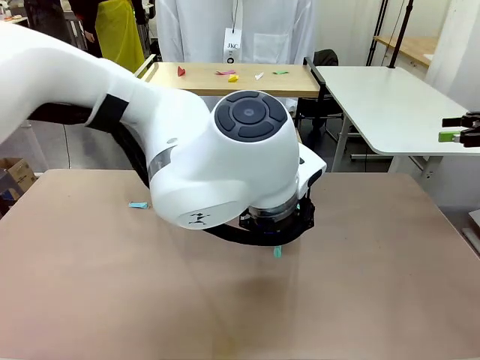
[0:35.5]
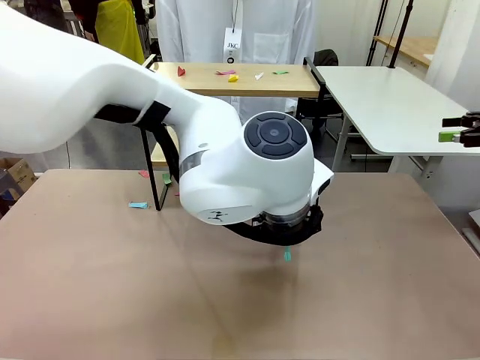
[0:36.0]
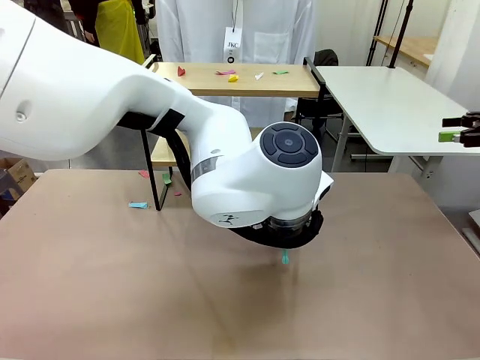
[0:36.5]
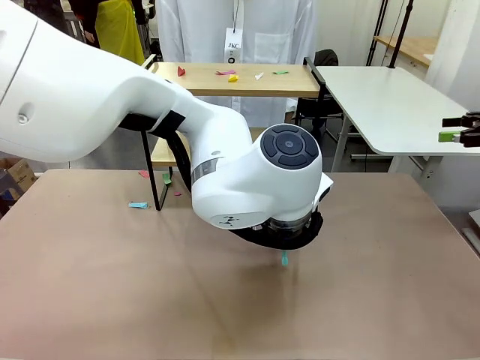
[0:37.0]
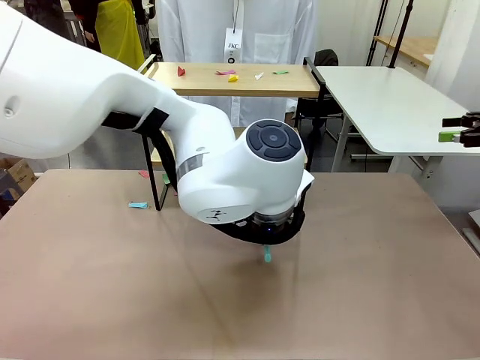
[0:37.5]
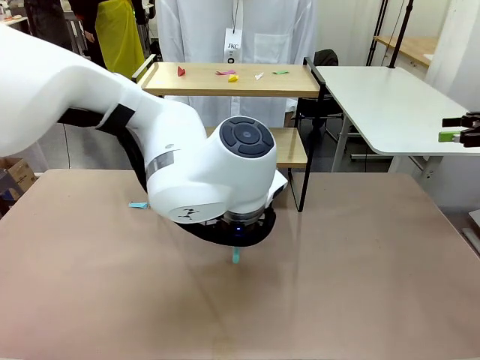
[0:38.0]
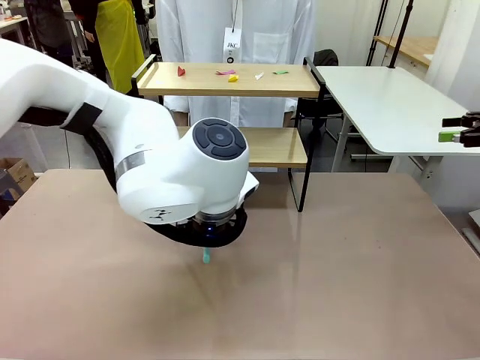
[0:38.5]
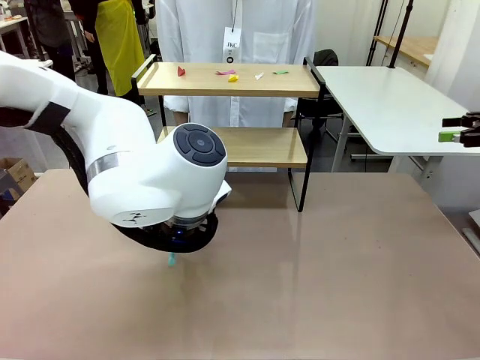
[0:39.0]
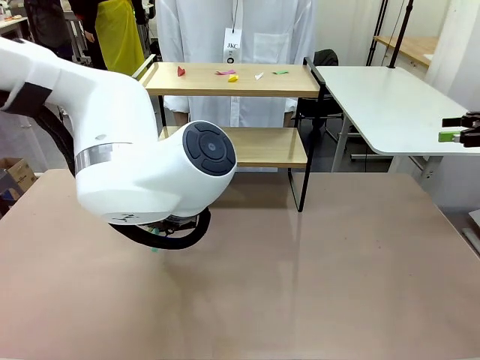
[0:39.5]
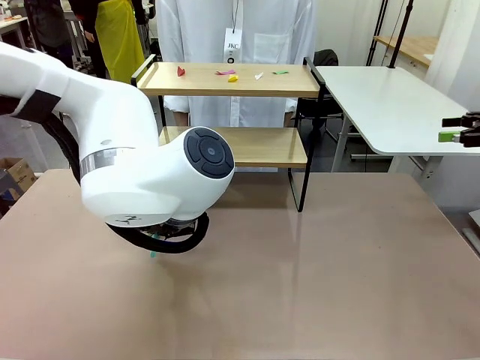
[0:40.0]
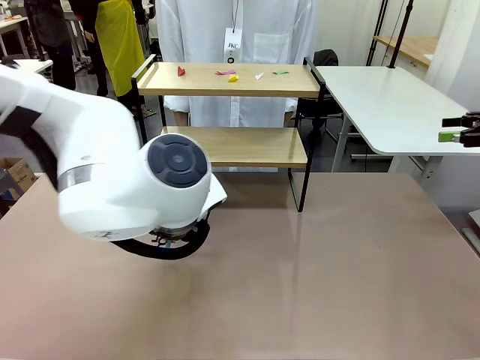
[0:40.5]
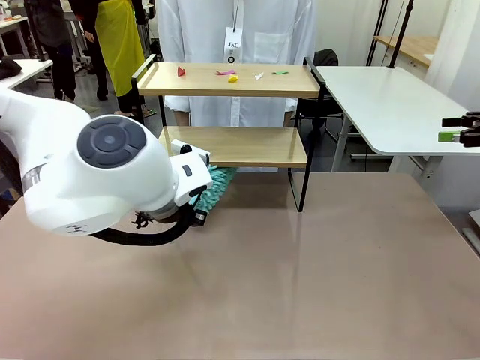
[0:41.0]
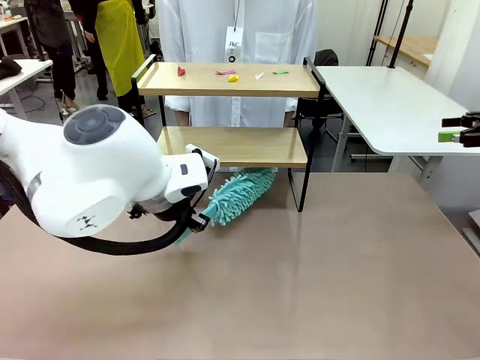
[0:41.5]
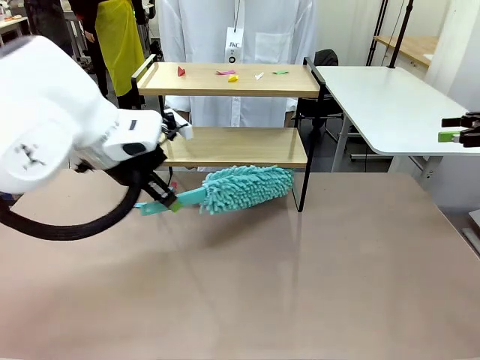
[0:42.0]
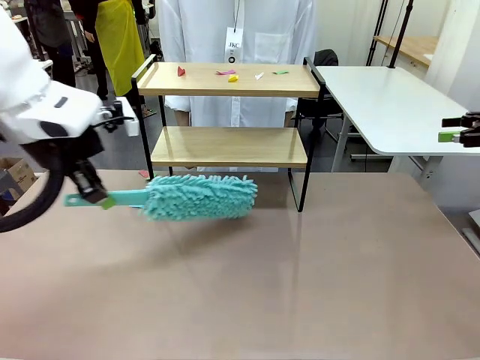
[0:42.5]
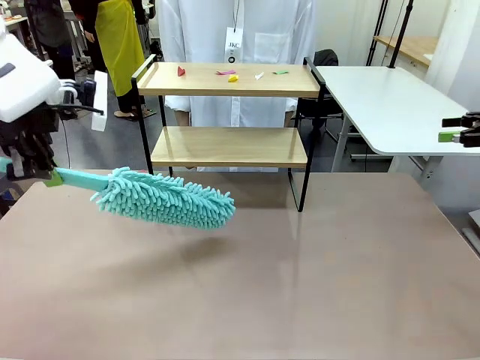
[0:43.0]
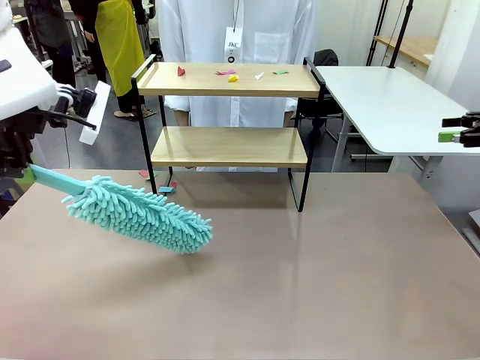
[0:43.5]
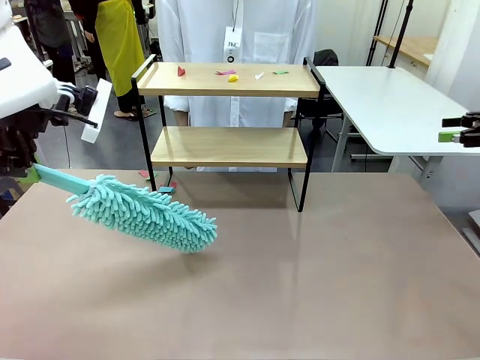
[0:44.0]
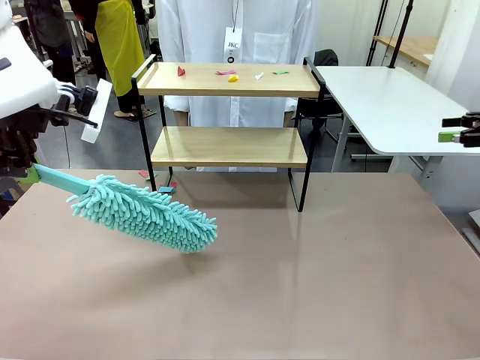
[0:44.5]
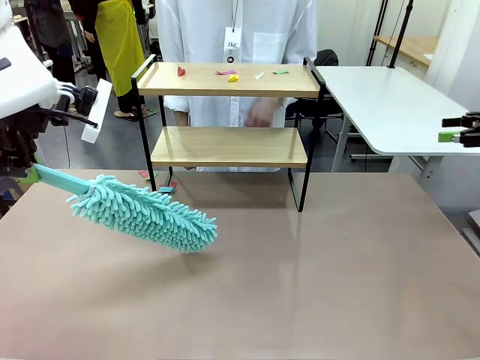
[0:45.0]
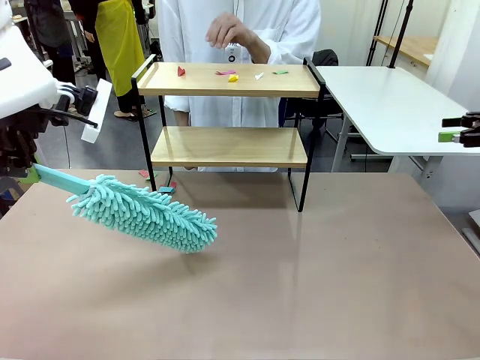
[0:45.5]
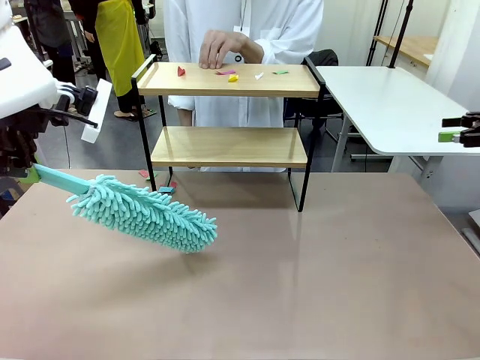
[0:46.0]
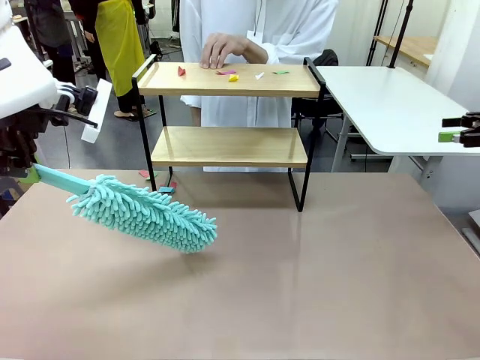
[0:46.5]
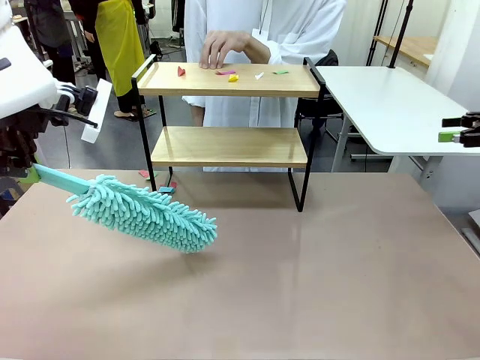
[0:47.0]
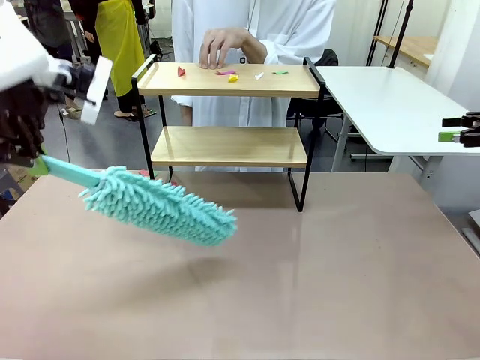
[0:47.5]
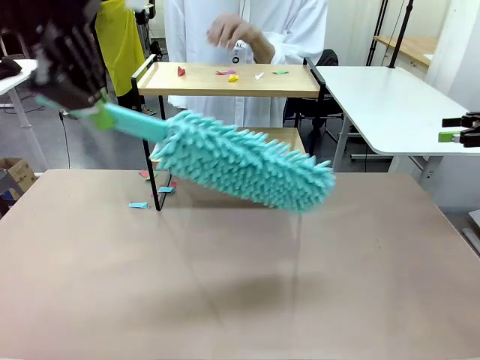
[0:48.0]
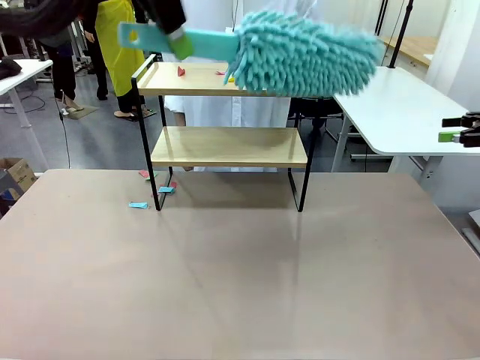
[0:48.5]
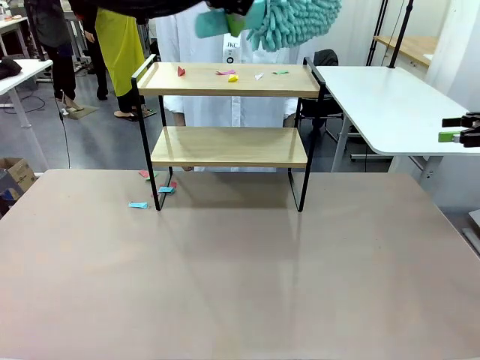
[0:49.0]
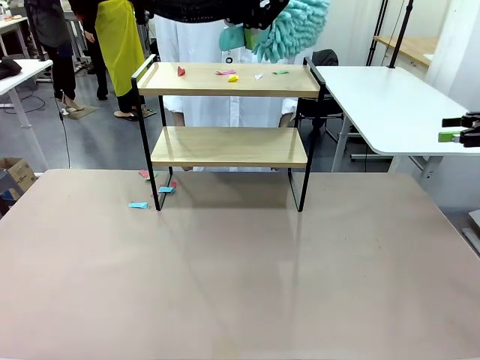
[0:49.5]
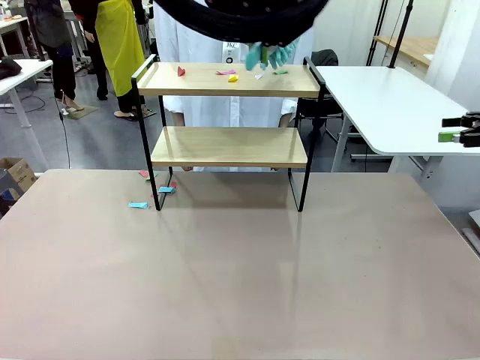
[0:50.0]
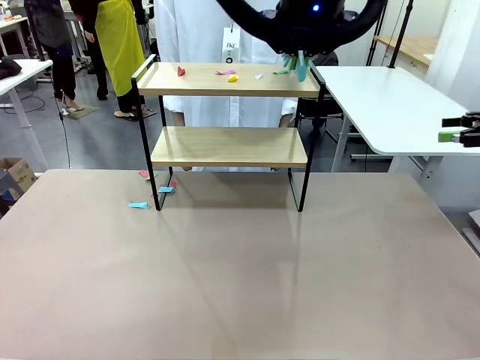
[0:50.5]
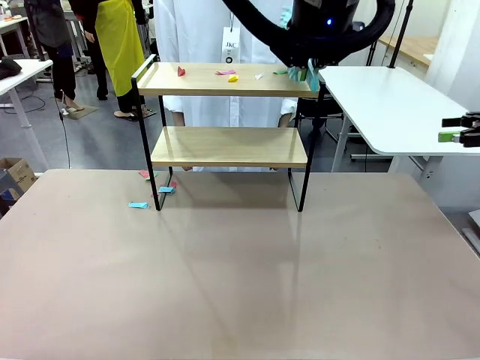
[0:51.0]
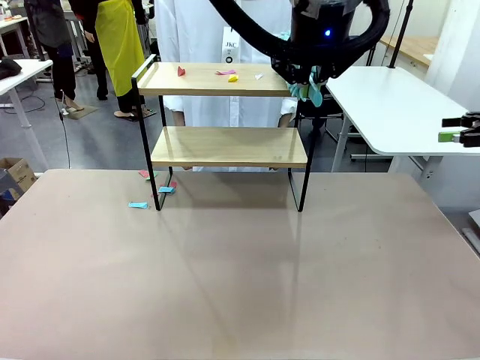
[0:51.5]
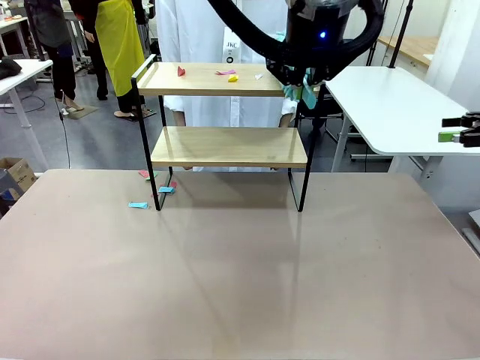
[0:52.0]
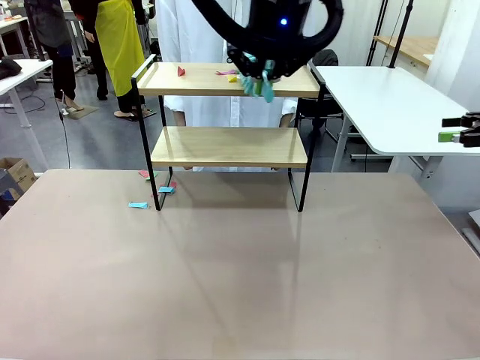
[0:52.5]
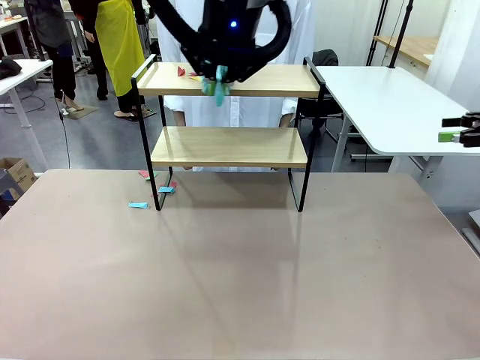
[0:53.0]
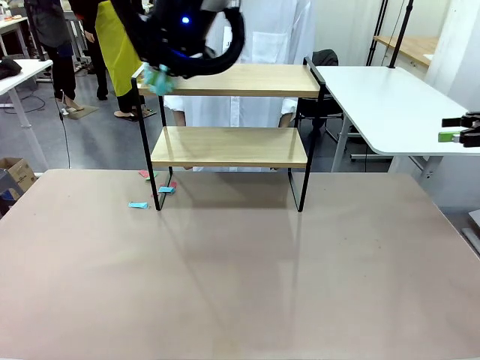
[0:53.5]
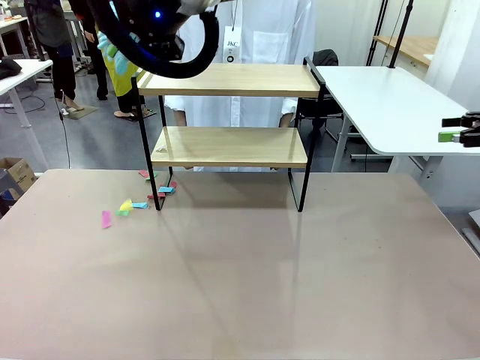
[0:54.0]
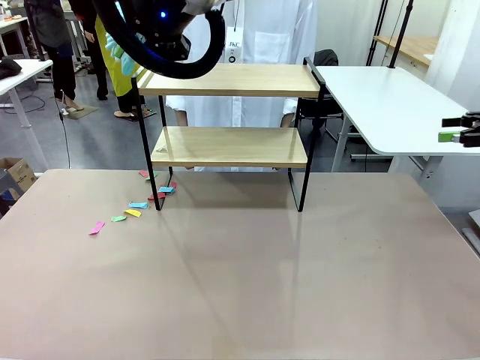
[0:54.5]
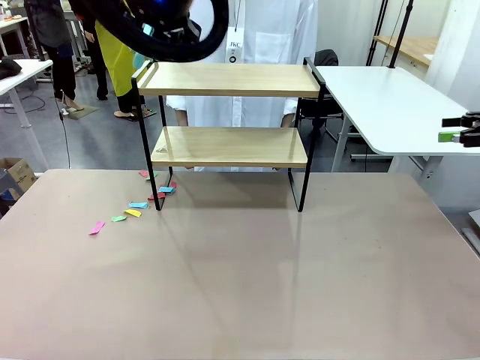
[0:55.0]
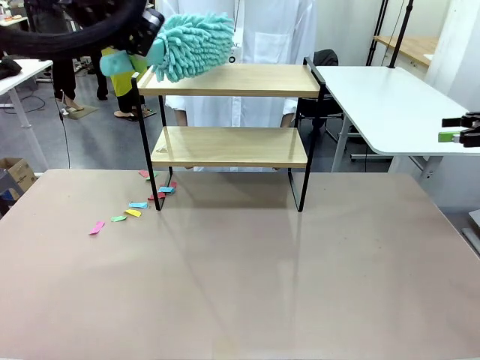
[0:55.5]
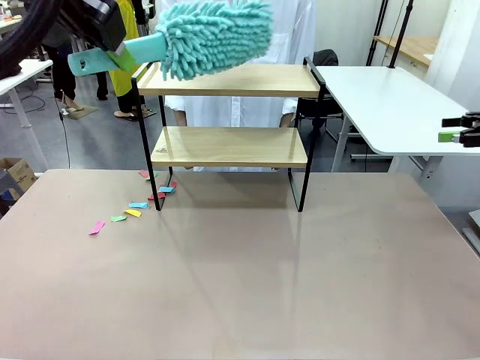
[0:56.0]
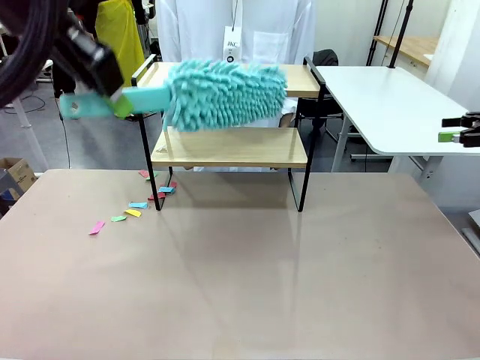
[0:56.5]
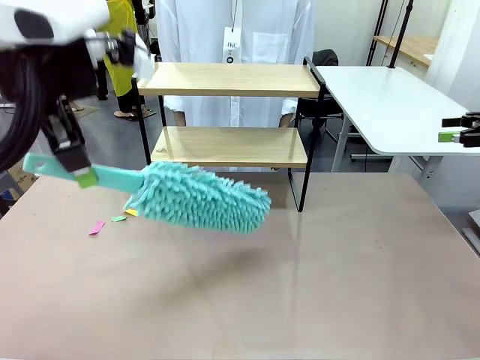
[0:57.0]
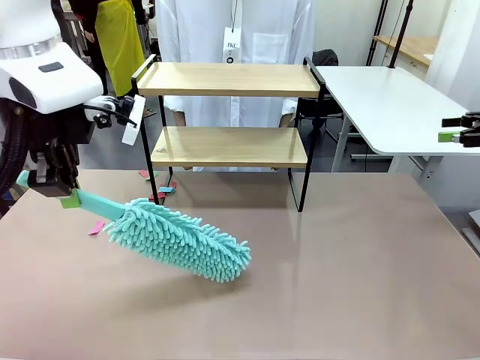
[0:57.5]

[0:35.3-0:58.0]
Task: Clean the shelf.
Robot: Clean the specific section of the Shelf indicated by the human with the Duster.
Person: Point a remaining section of the Shelf.

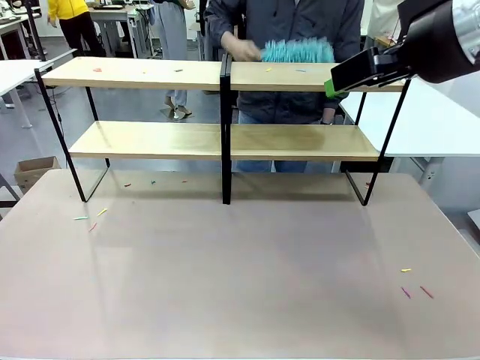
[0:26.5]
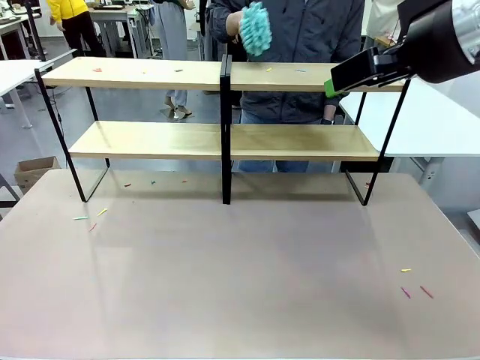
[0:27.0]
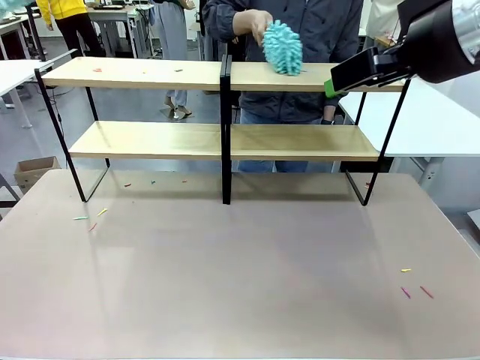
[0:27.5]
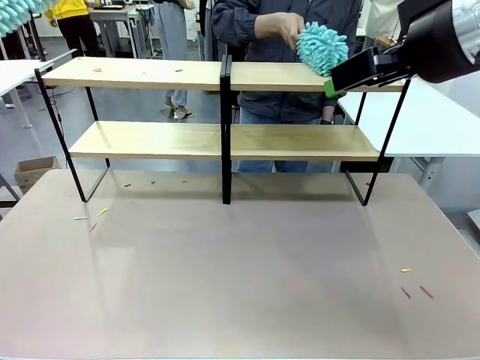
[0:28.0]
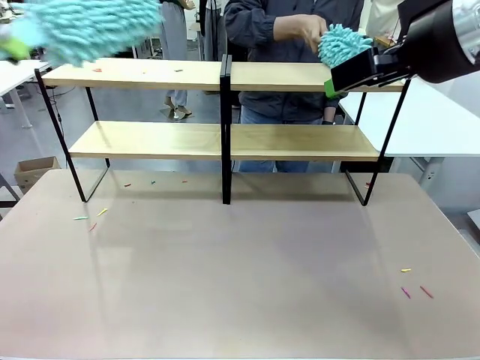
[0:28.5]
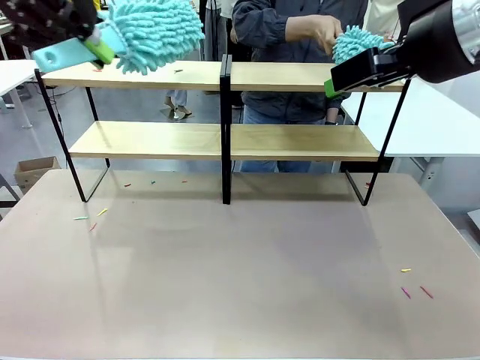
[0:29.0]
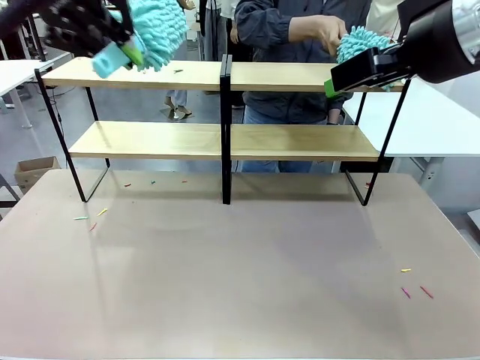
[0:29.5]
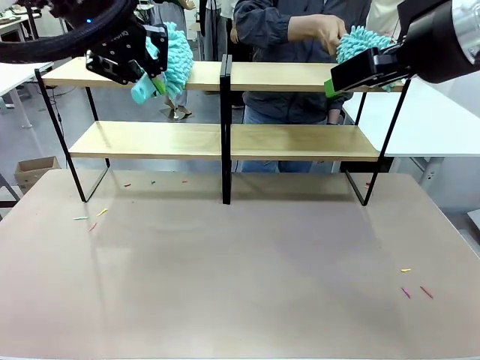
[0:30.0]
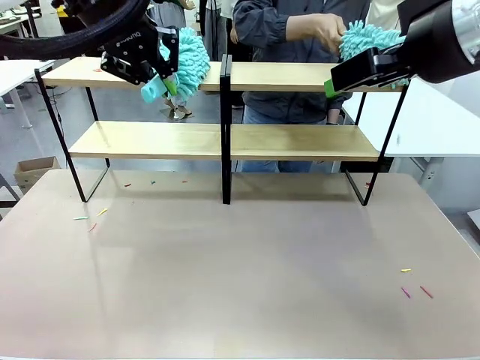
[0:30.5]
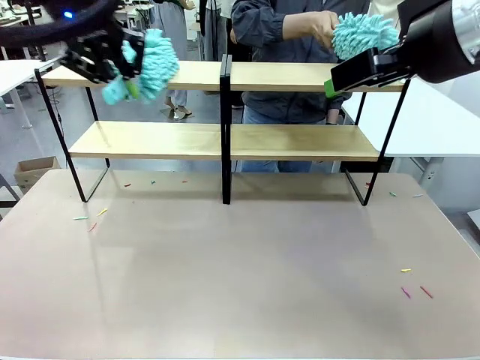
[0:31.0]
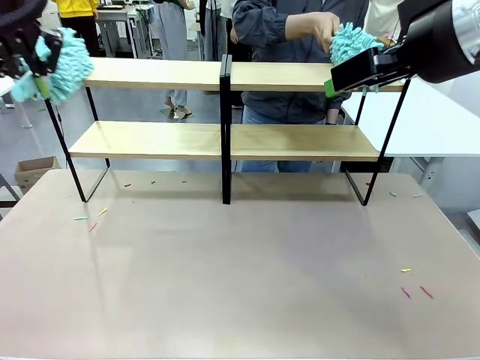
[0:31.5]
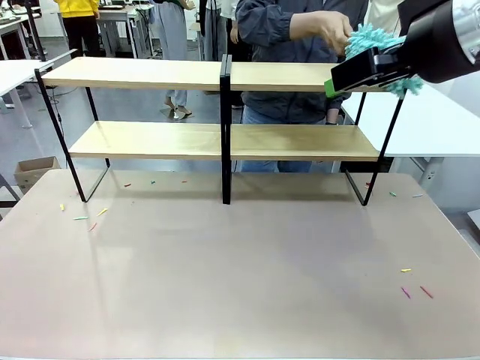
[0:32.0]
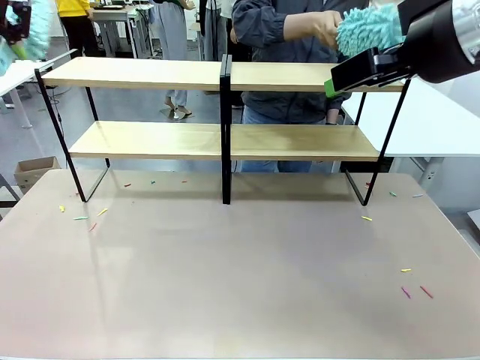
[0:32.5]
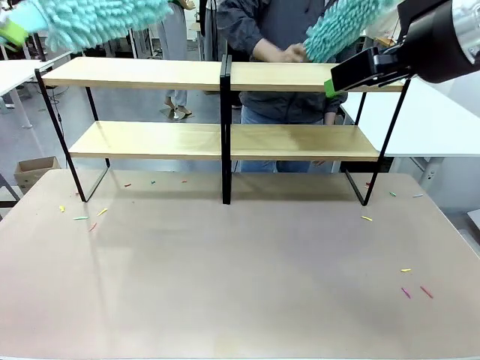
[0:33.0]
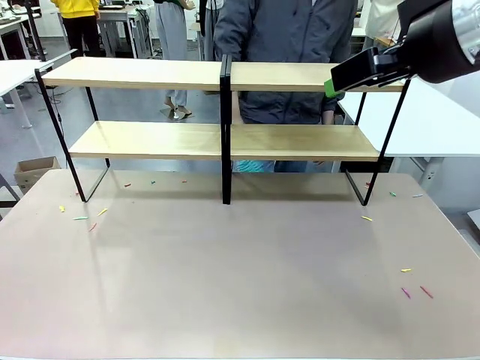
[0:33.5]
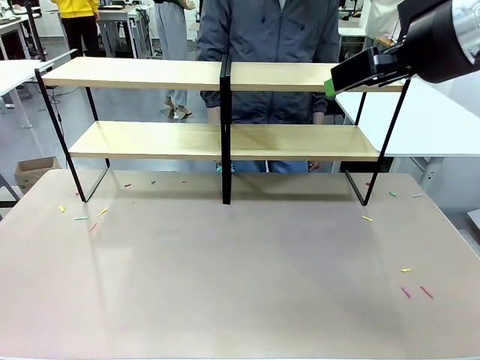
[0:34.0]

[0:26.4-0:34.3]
Task: Clean the shelves.
Robot: Clean another randomly selected level of the Shelf with the Duster.
